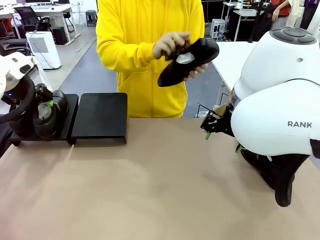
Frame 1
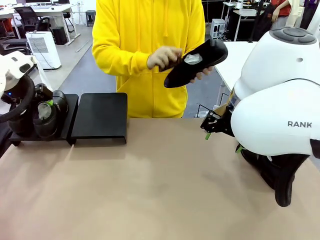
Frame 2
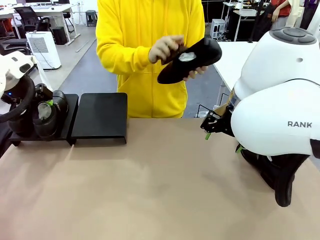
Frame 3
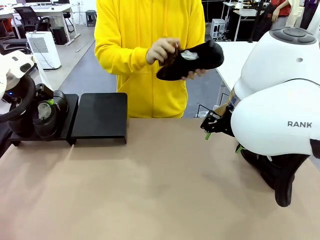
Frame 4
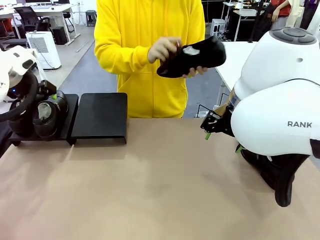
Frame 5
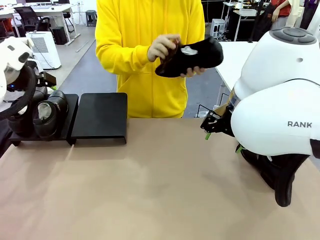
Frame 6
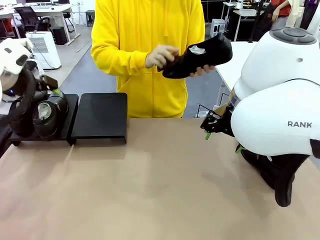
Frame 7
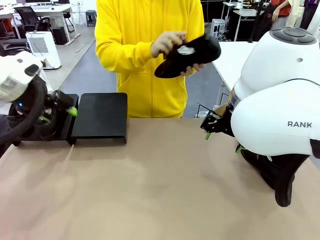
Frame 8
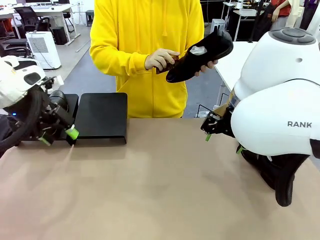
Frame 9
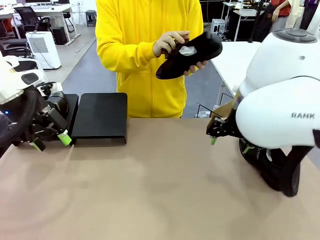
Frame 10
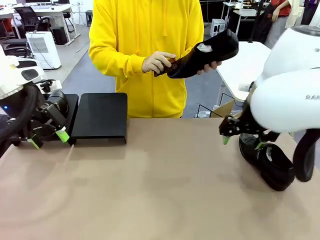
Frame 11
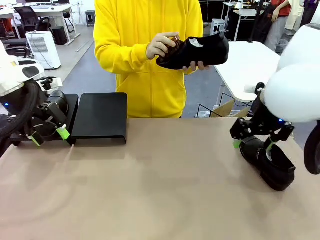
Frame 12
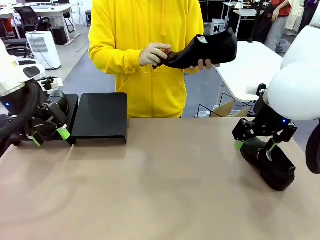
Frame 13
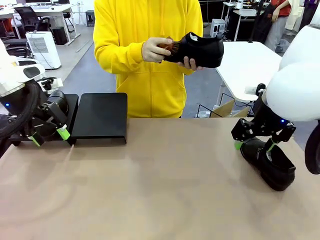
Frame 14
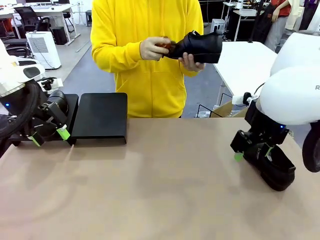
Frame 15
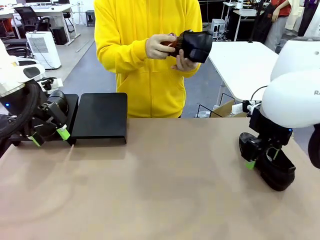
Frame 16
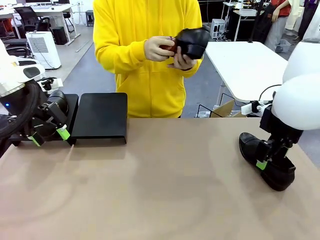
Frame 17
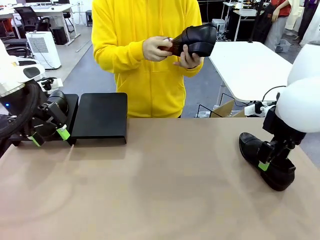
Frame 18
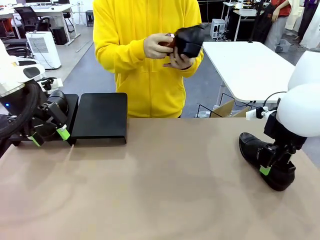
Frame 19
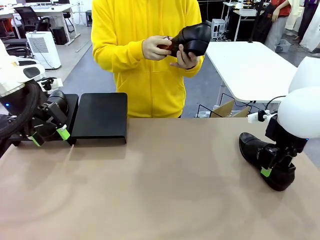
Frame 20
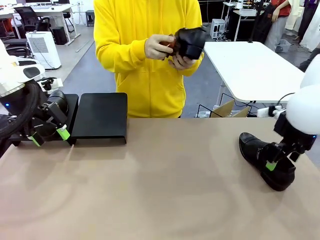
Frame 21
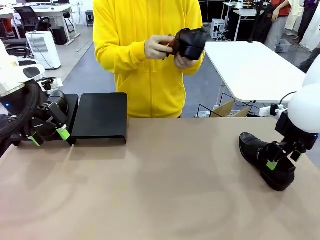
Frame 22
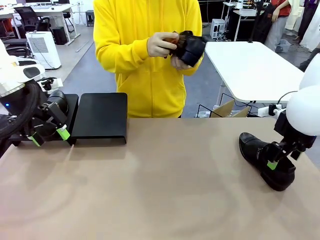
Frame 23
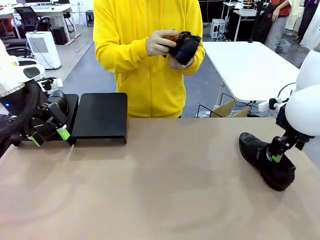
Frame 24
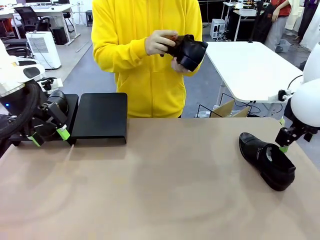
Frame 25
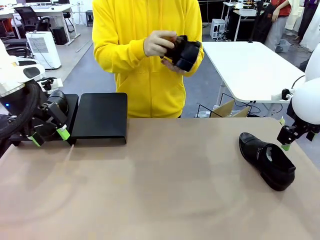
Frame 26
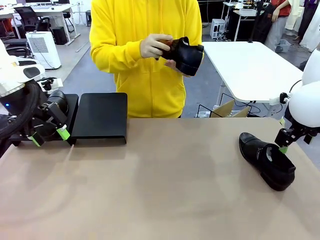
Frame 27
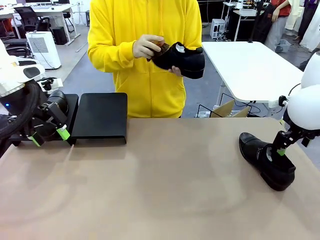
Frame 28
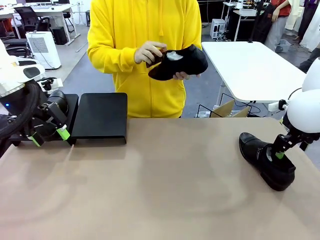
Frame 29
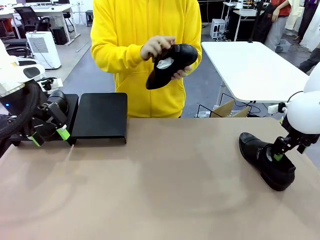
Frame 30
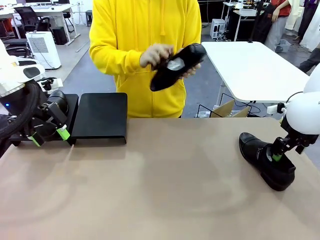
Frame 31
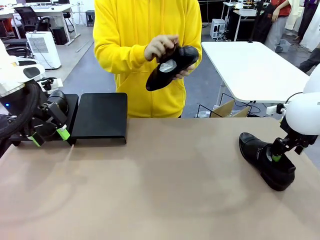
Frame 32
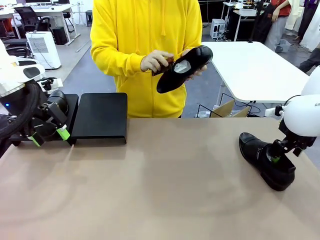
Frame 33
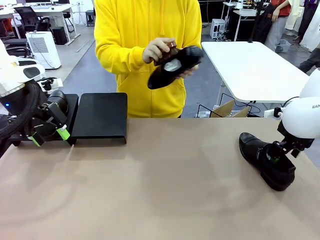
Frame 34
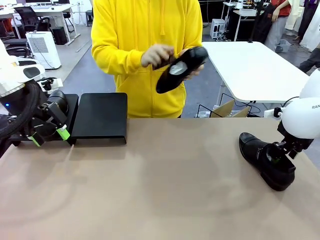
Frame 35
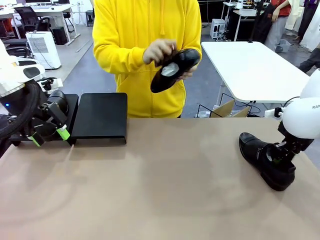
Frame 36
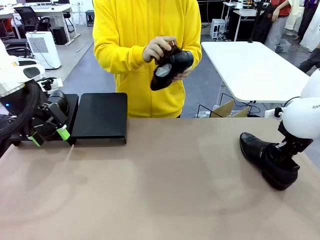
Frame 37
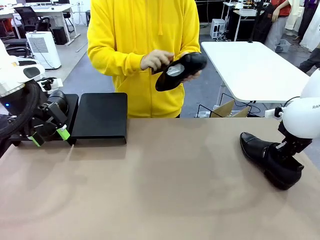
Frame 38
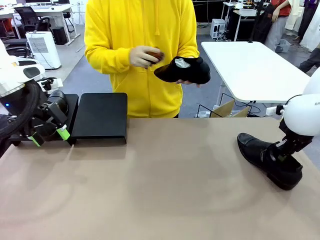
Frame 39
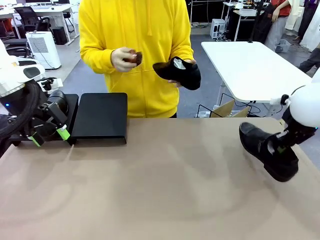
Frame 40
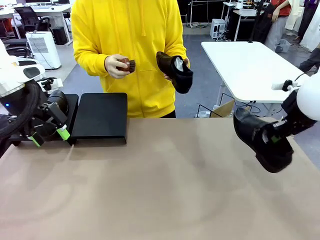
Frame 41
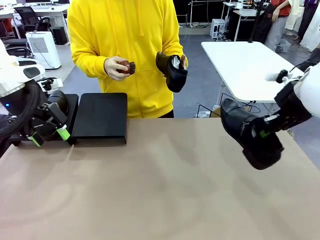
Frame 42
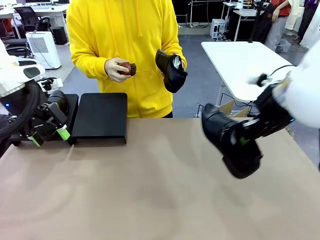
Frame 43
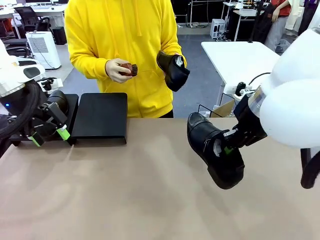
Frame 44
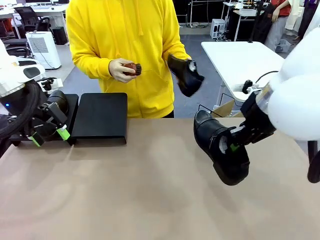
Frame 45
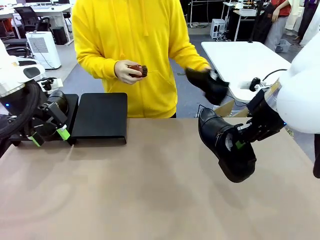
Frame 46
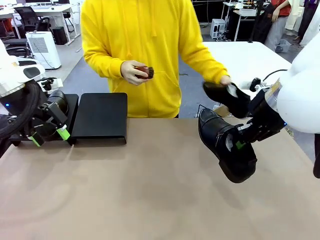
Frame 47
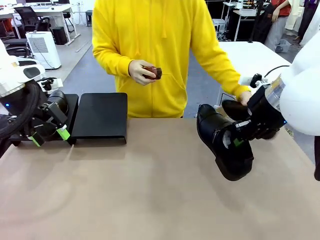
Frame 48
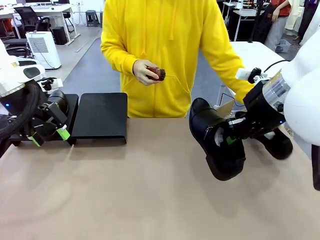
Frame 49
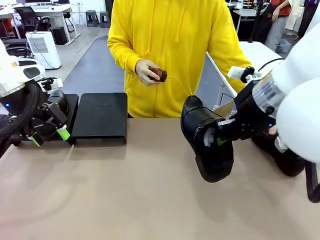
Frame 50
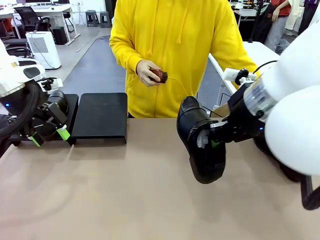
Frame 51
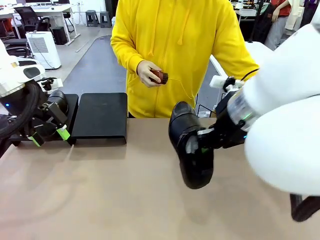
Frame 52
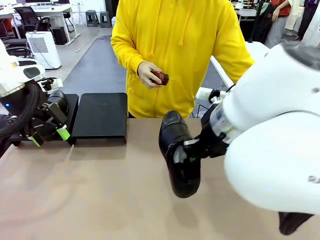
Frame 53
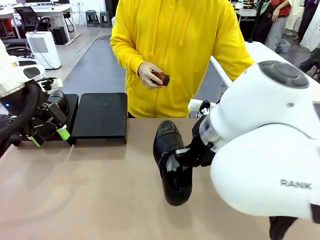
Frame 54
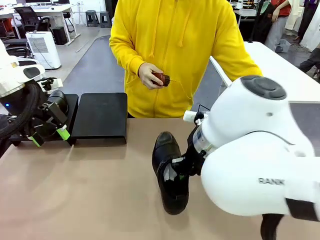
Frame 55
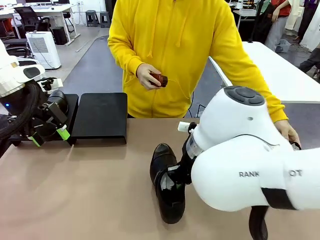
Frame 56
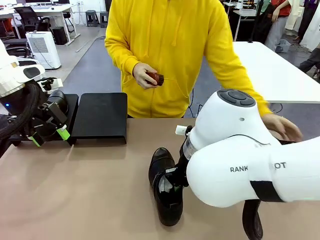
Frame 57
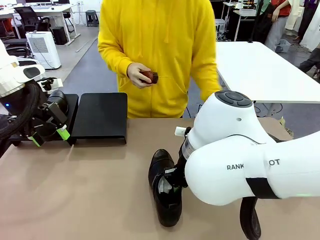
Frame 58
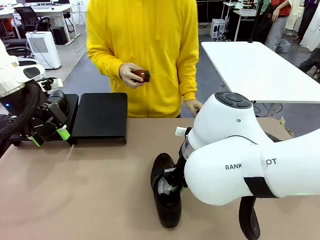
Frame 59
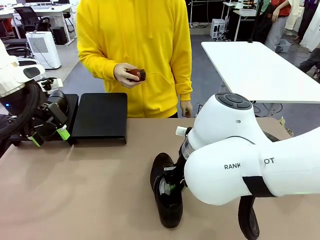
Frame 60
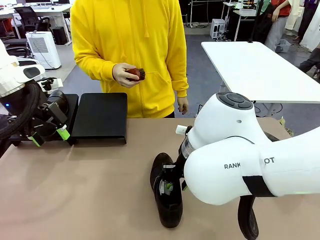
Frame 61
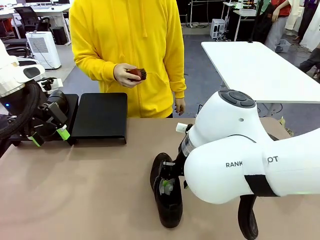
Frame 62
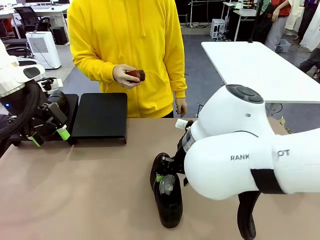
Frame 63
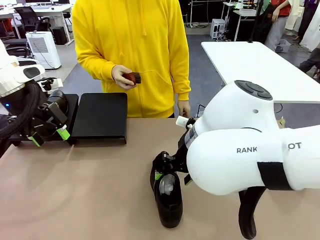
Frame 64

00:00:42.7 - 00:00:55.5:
Task: Organize the shoes by placing them on the stand.
Robot: Pick up one Shoe and place it in the middle of the table.

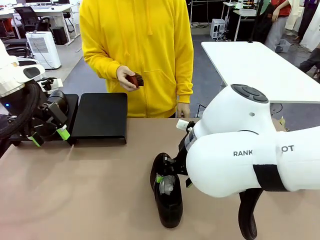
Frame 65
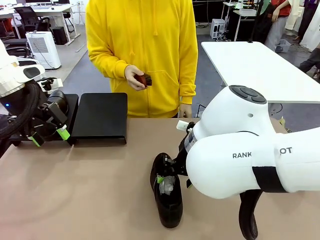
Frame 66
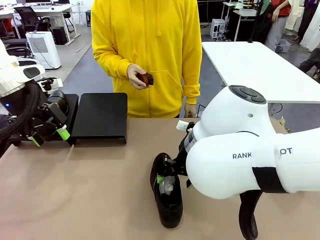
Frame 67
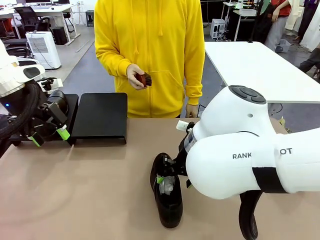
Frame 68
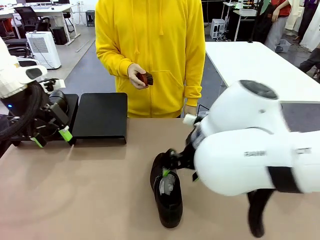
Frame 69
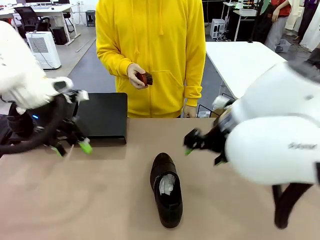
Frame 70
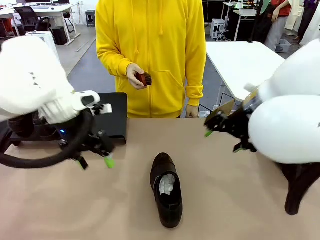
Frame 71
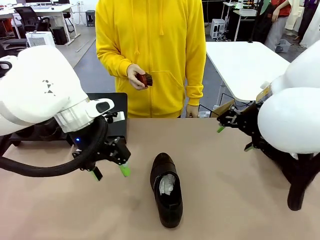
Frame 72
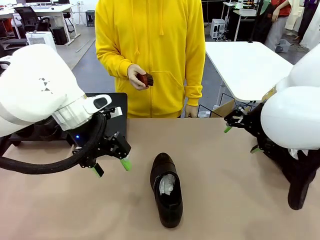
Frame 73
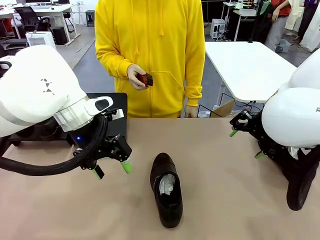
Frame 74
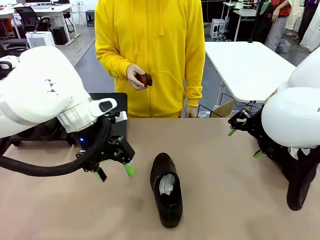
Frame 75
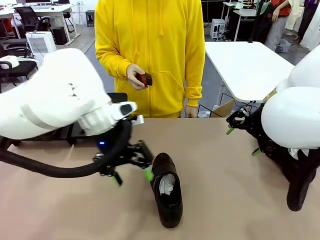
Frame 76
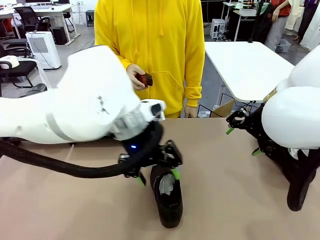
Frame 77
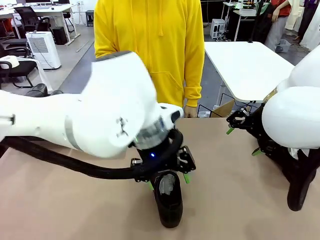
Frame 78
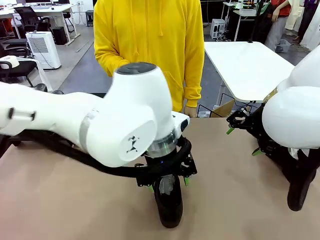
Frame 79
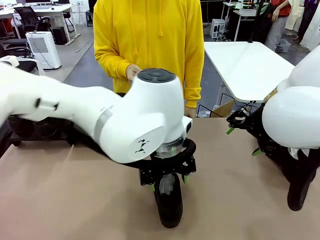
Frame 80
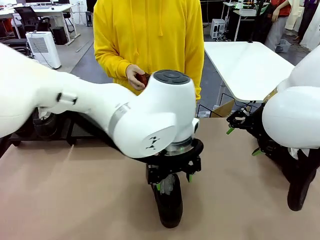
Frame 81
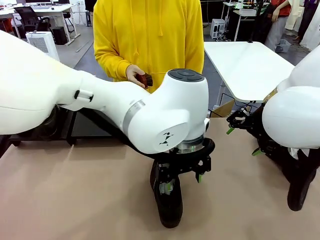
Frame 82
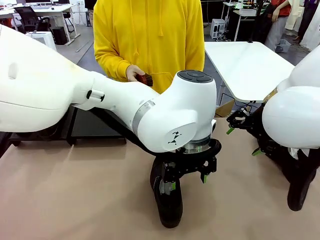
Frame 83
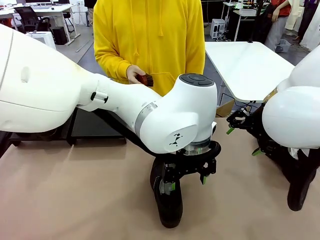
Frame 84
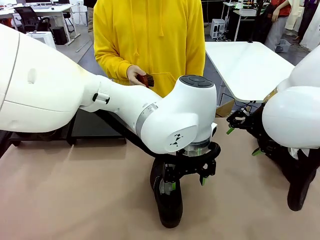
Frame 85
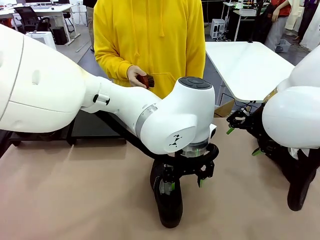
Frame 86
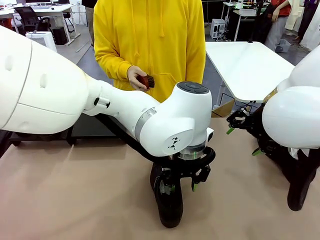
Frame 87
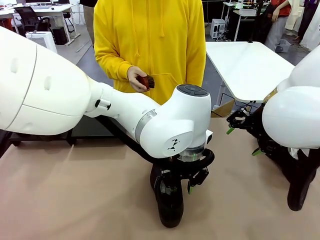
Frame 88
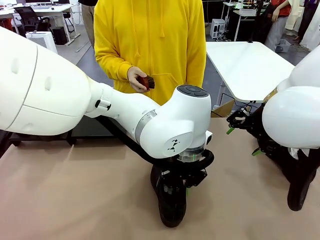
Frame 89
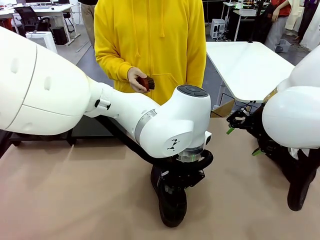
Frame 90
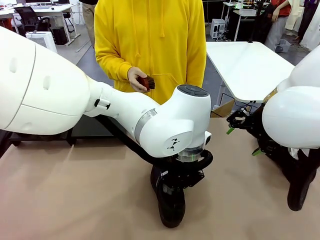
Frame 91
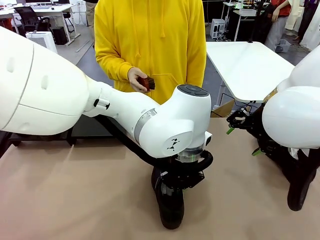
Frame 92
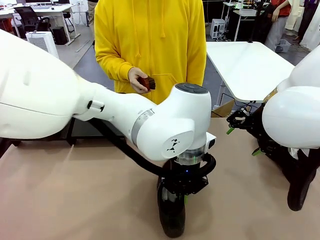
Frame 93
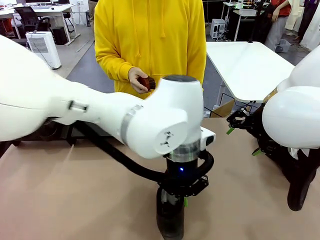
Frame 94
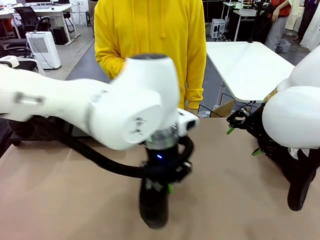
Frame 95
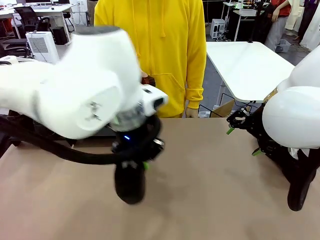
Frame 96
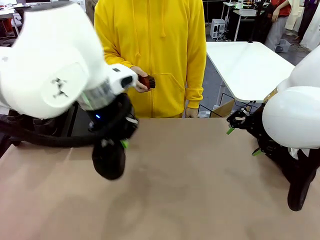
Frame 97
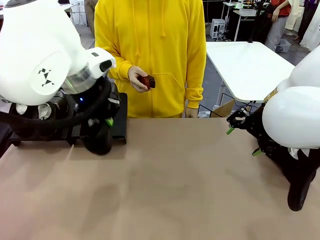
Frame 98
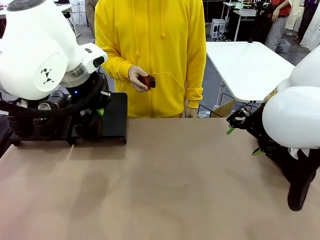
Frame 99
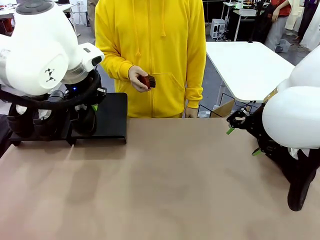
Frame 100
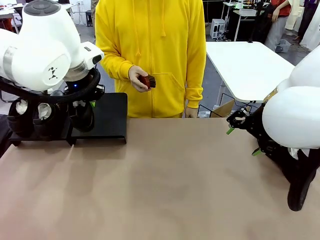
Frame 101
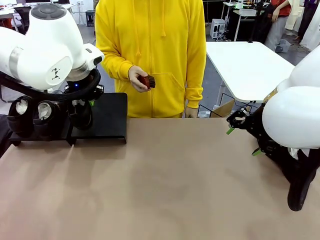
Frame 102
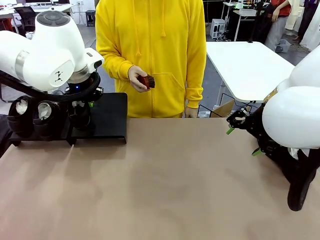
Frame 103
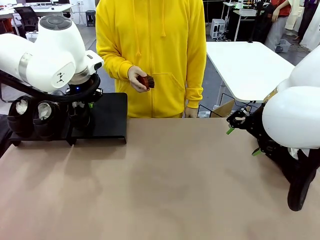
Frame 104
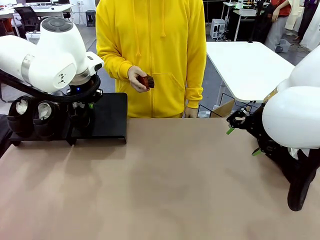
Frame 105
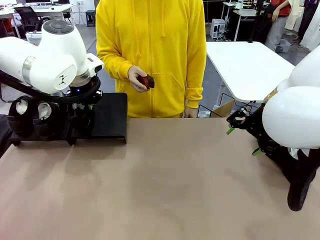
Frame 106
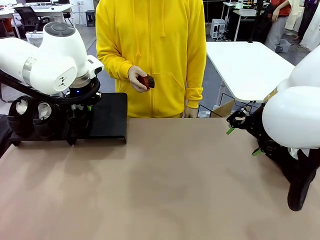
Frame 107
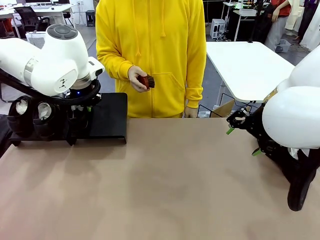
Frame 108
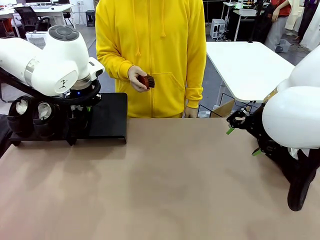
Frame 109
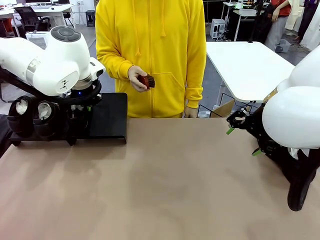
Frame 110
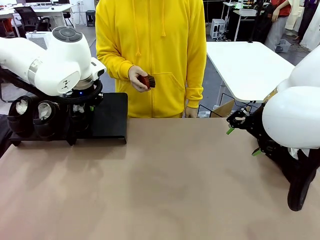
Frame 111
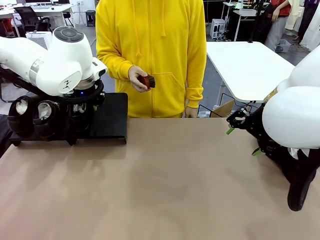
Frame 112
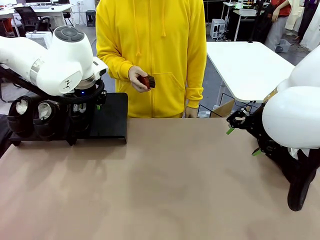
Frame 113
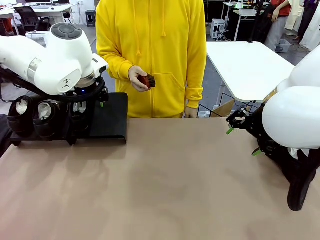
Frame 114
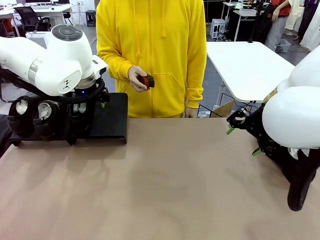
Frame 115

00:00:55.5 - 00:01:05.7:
Robot: Place the Shoe from the middle of the table onto the Shoes Stand.
